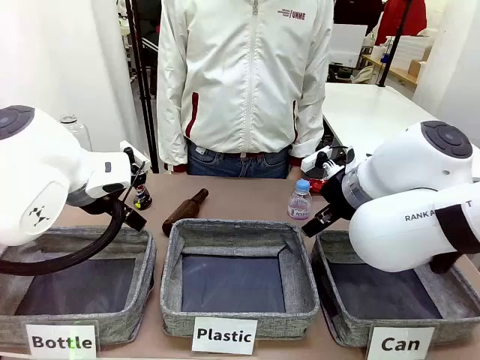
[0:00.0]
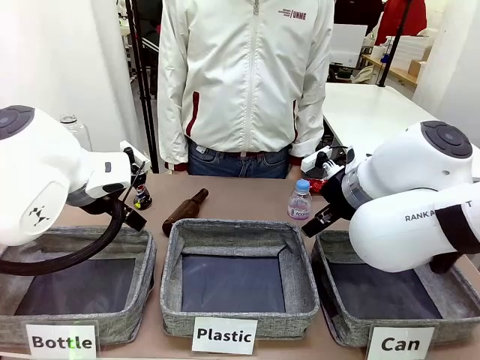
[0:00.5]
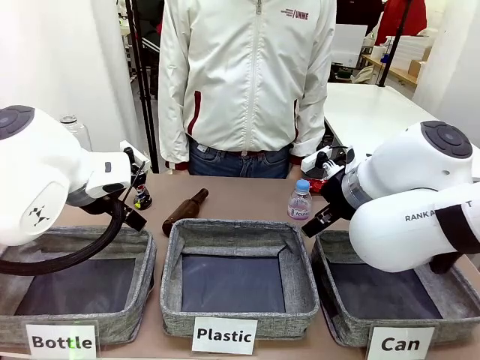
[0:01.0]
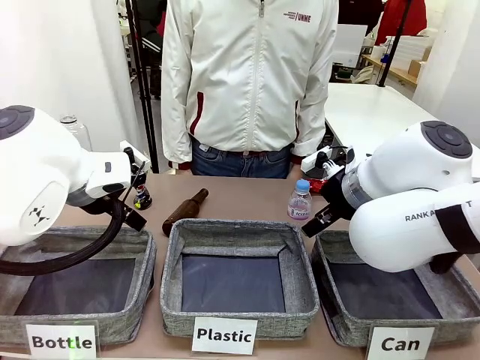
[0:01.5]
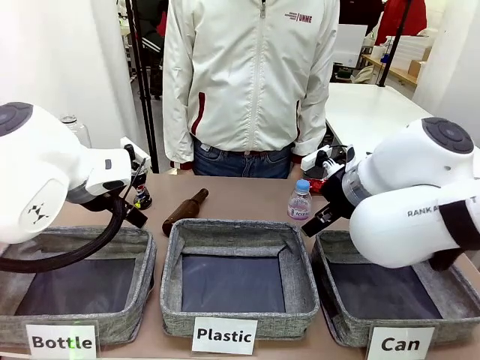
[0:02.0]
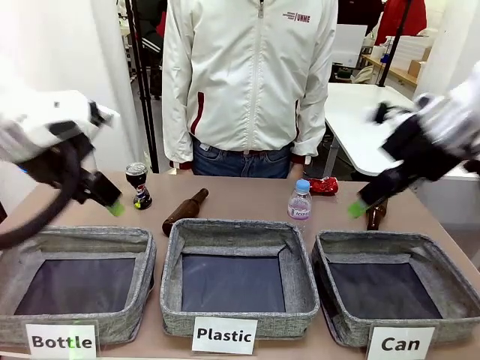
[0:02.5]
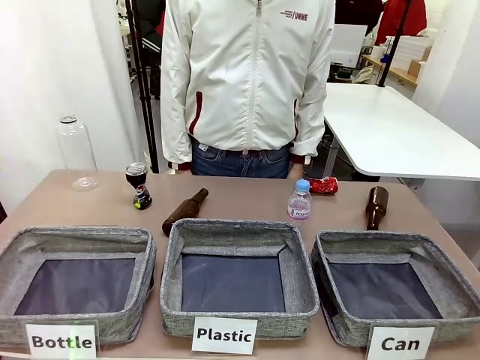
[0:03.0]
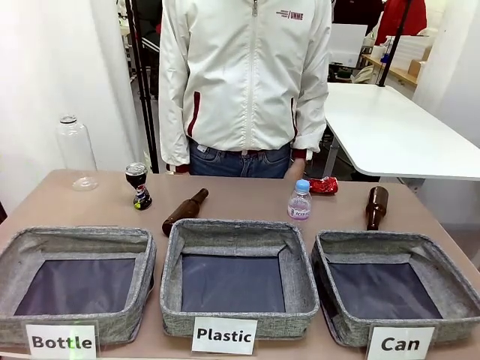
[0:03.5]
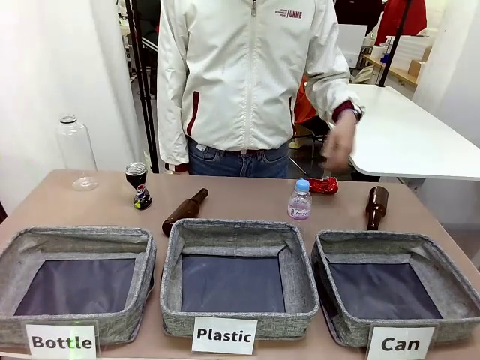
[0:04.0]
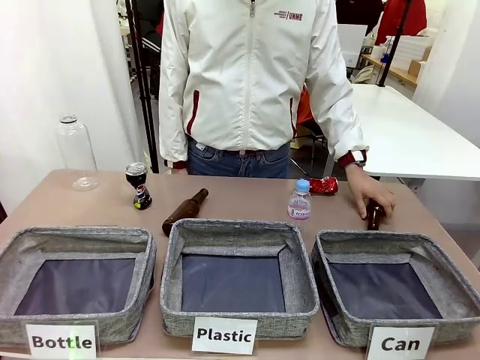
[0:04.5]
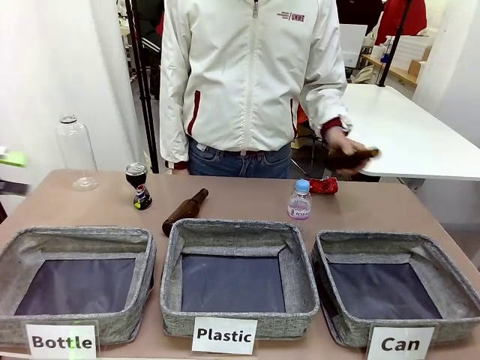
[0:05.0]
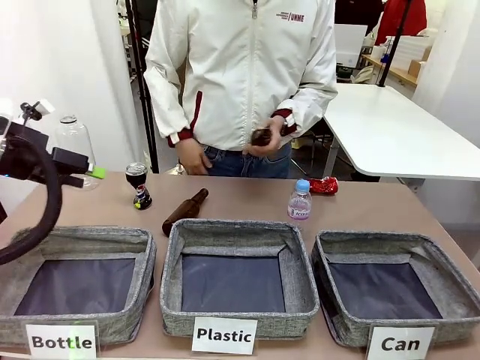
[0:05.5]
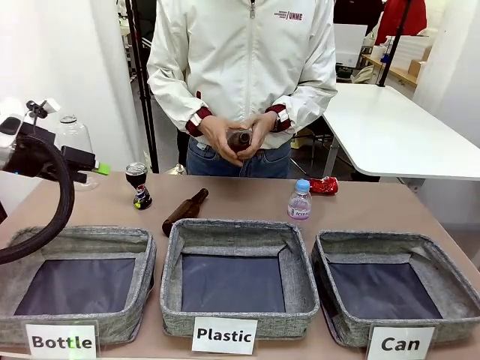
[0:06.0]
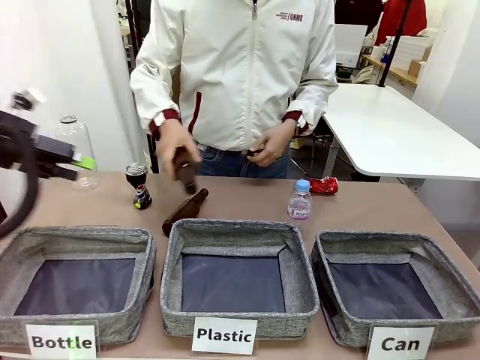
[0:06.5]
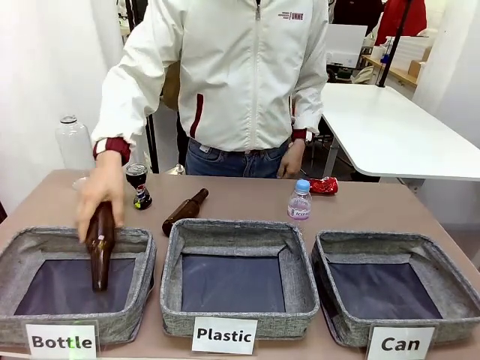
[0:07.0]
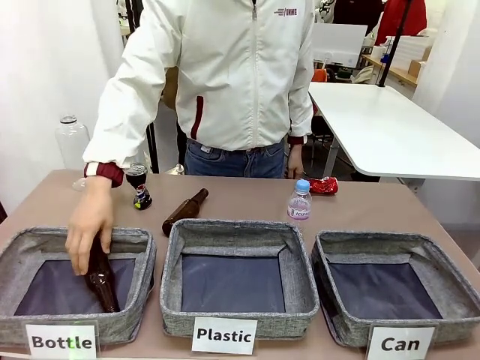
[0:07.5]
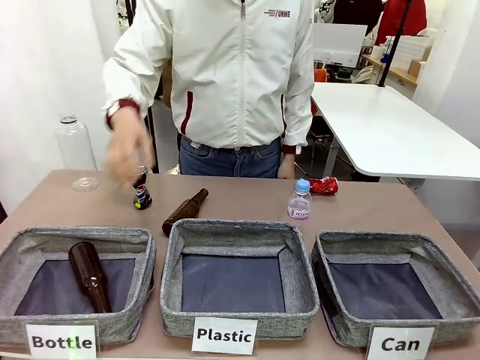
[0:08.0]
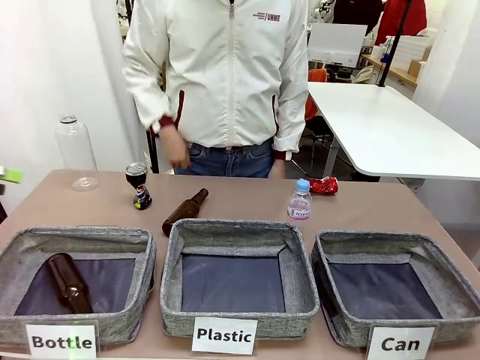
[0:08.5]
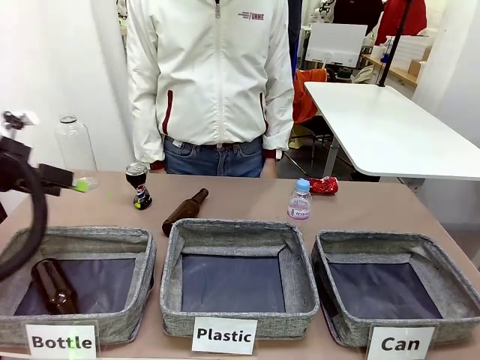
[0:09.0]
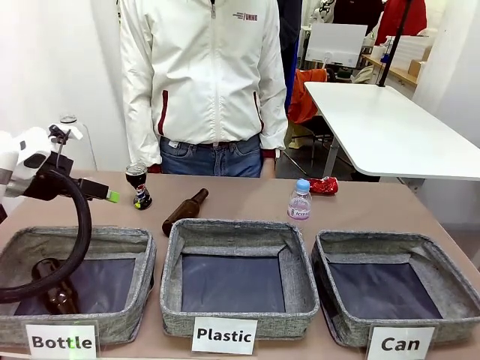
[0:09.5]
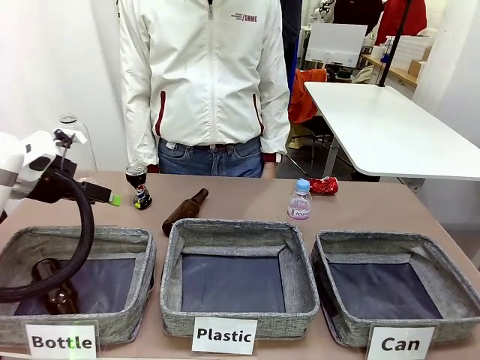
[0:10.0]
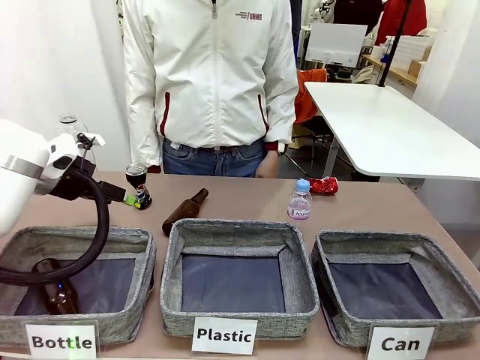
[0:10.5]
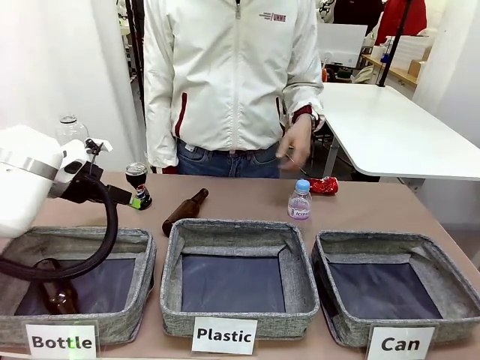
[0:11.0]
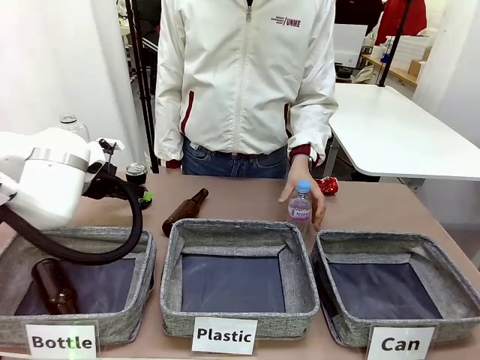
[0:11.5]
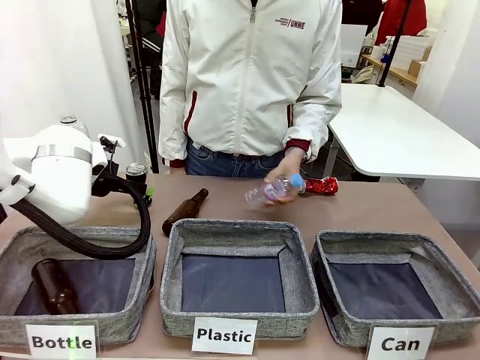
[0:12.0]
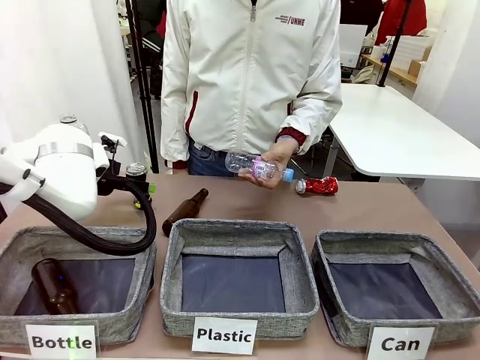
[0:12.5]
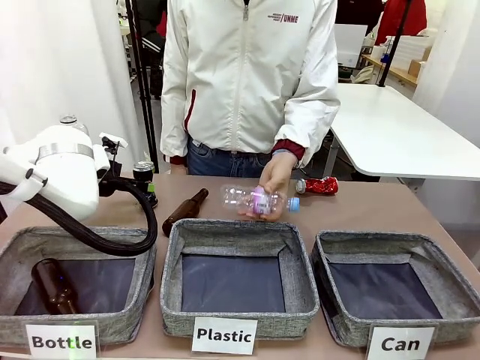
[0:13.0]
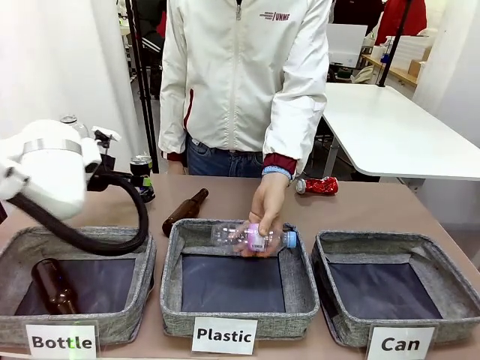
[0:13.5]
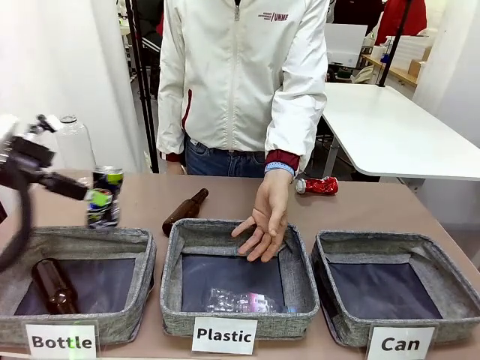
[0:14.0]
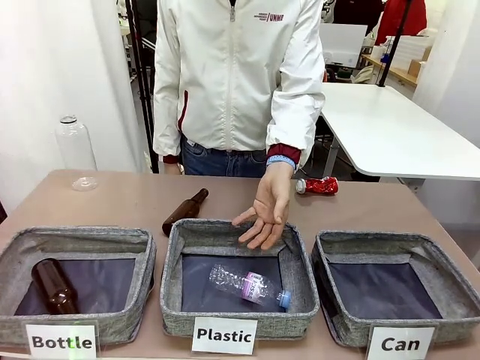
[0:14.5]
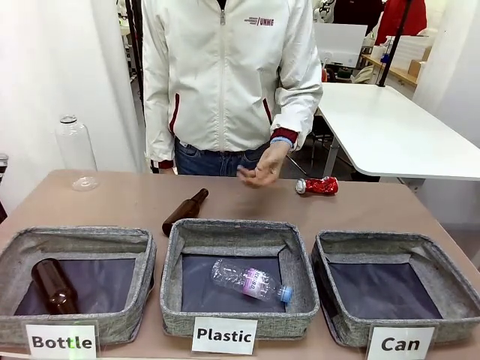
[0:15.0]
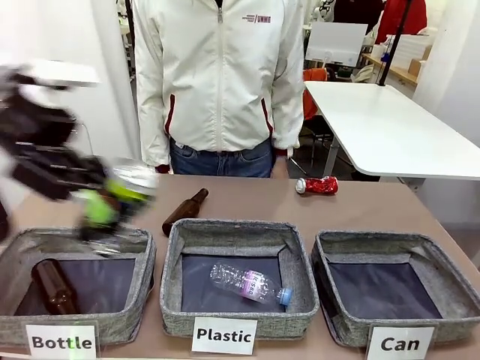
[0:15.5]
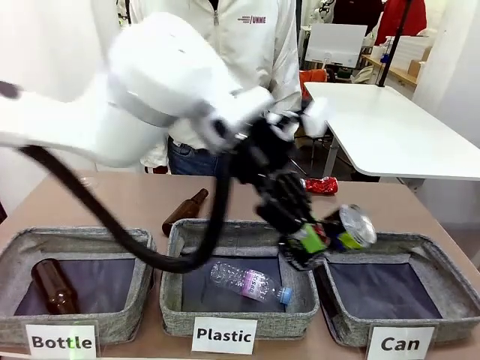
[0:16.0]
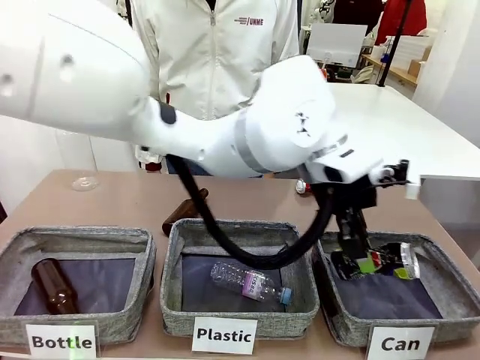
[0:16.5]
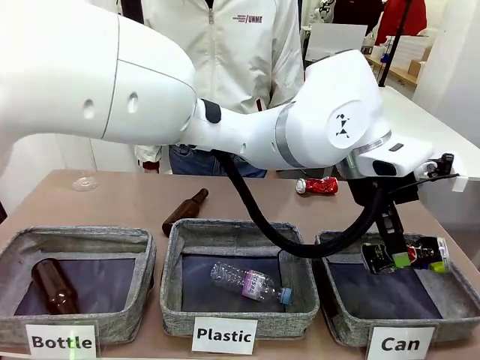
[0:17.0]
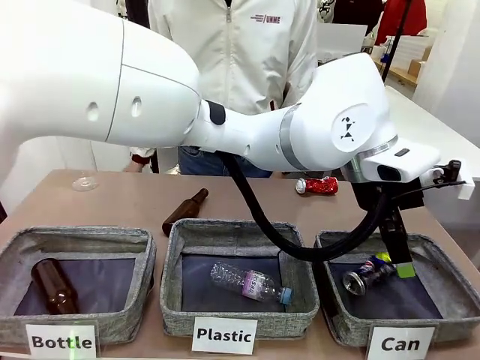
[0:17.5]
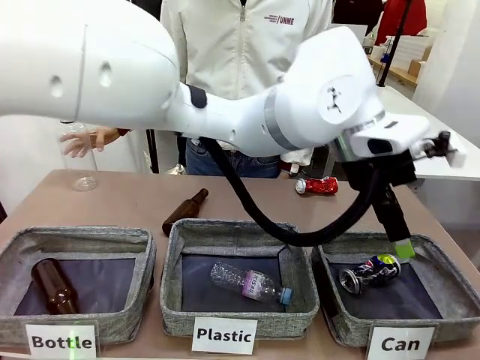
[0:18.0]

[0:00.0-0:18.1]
Task: Sort the can waste into the basket.
Robot: Pick up the can waste from the table and place it in the right Fabric basket.

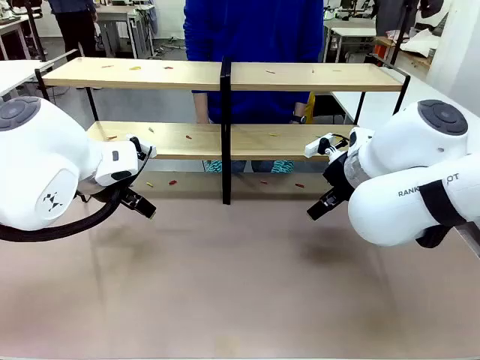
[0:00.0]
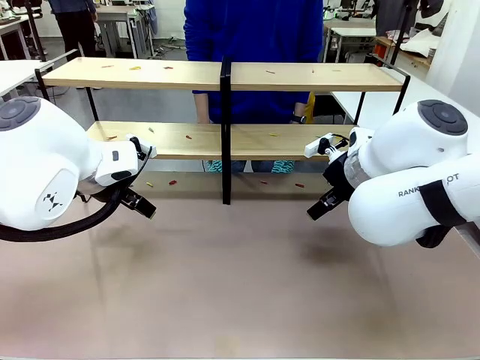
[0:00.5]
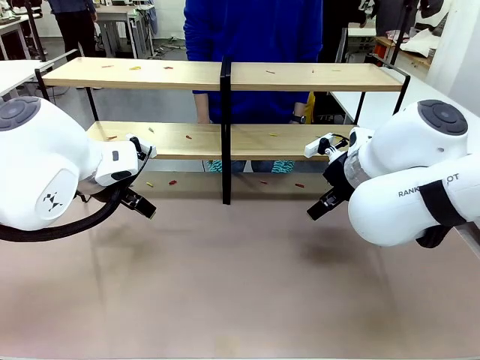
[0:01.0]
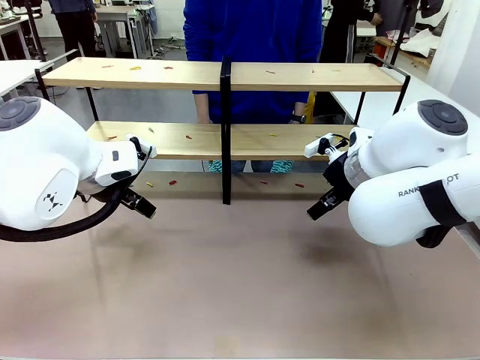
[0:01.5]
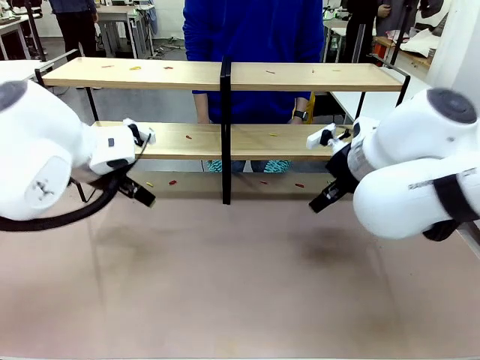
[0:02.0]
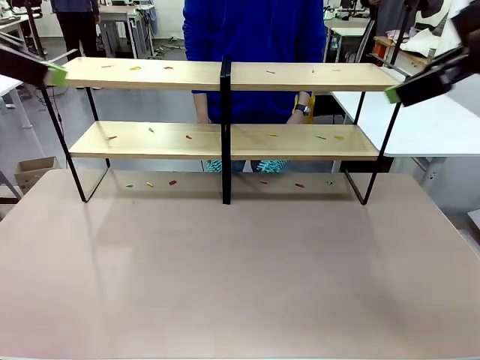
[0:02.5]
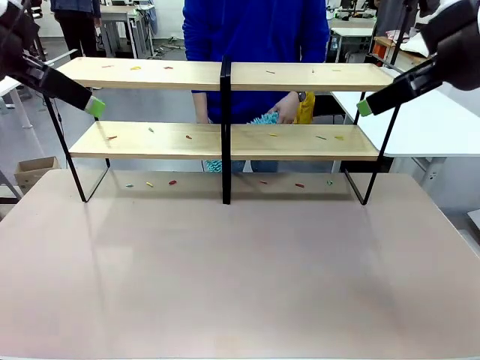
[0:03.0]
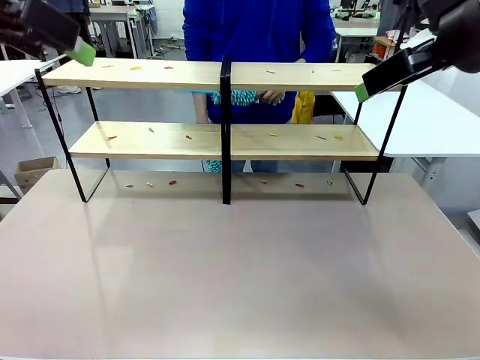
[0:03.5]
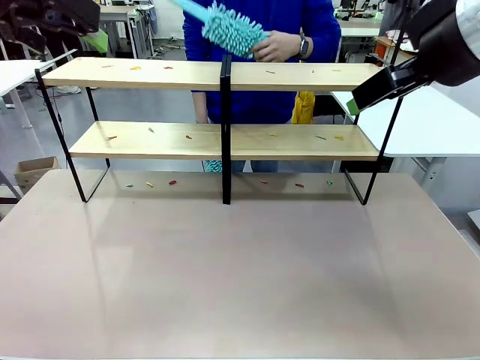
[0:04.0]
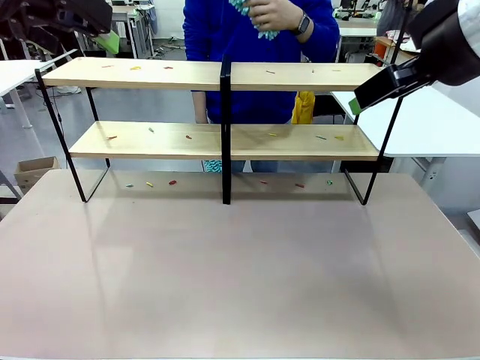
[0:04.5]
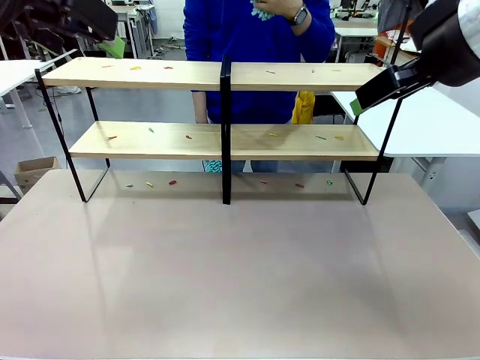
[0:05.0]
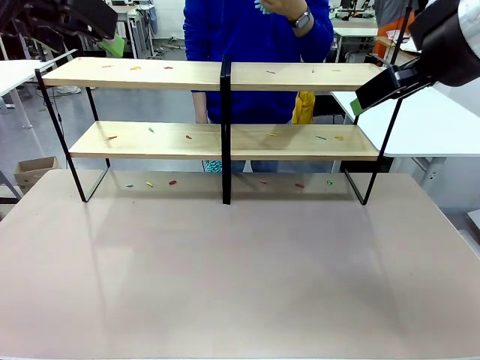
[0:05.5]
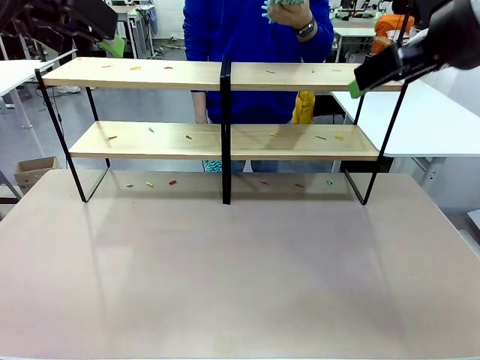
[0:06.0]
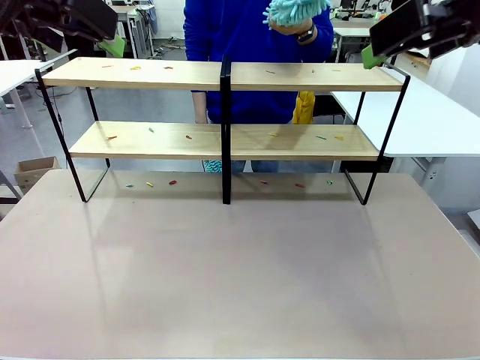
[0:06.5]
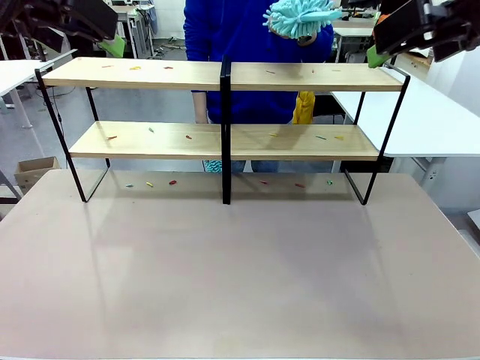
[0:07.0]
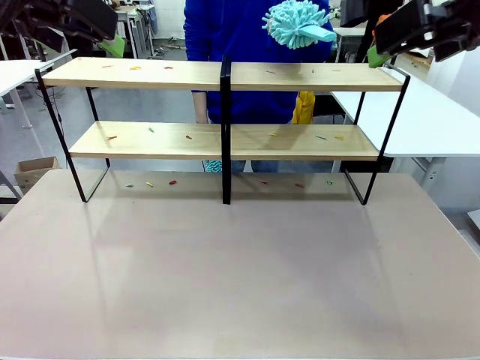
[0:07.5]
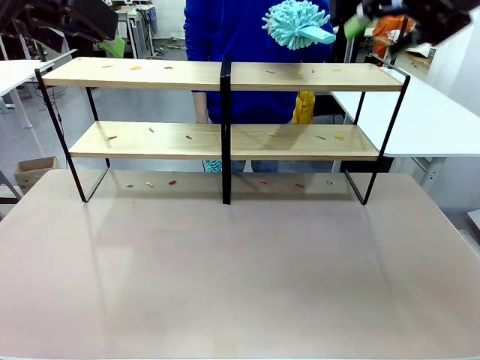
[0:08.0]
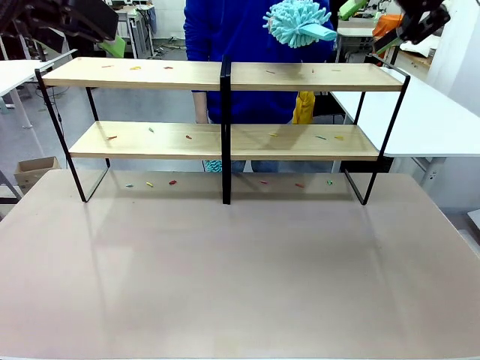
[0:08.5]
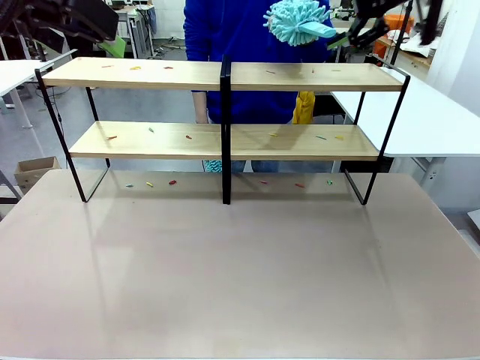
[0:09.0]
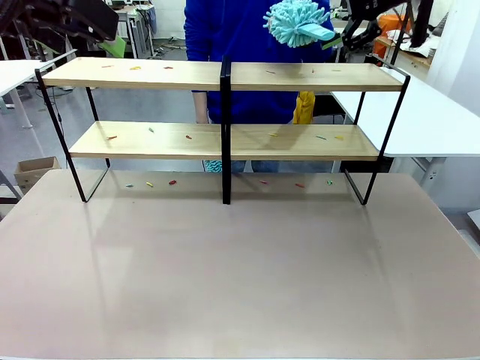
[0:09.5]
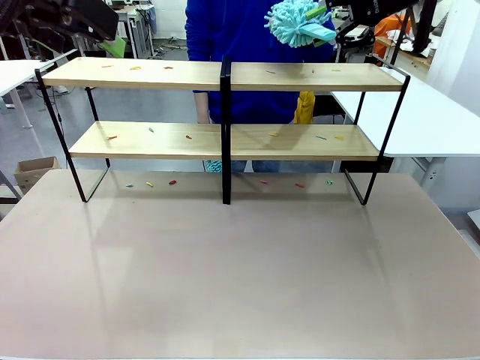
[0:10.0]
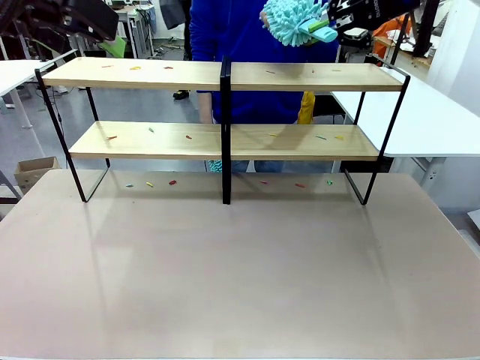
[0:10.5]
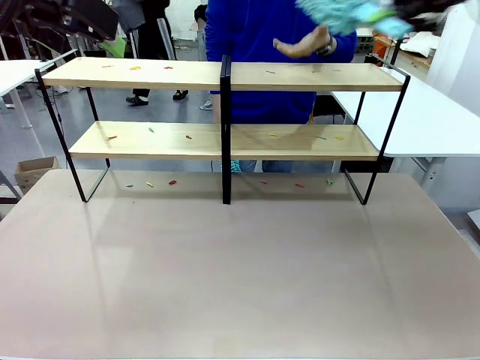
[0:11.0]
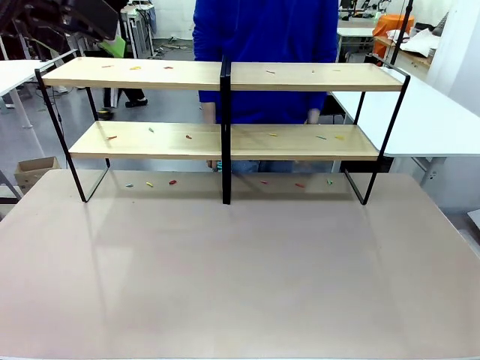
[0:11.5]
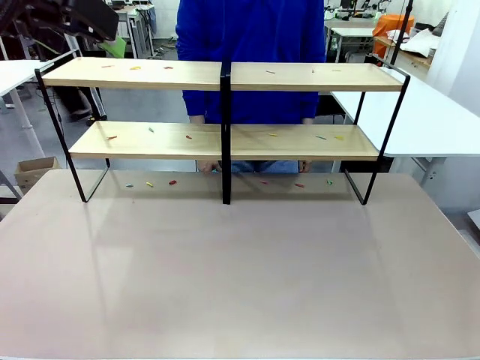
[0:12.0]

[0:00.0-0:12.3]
Task: Clean the shelves.
Robot: Pick up the Duster when the human hands it over.
Person: Hand the Duster to the robot with your right (or left) hand.
